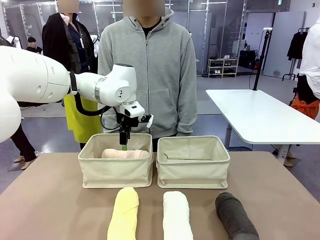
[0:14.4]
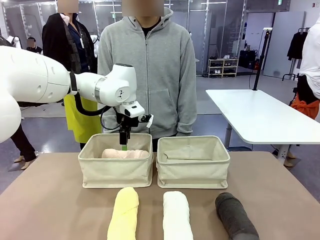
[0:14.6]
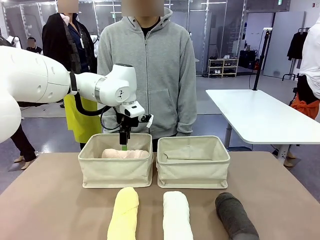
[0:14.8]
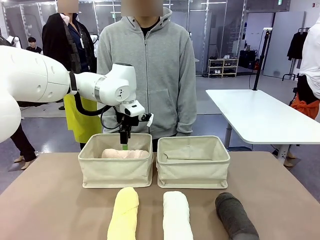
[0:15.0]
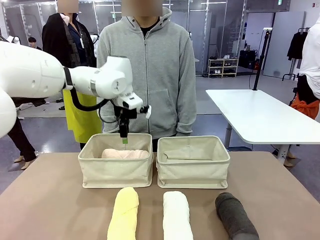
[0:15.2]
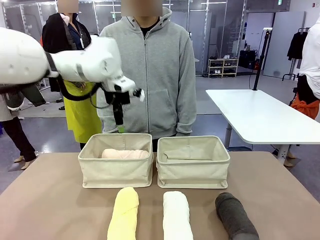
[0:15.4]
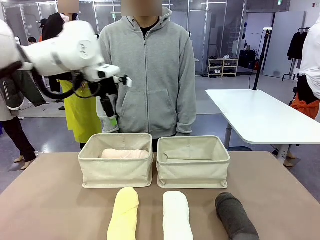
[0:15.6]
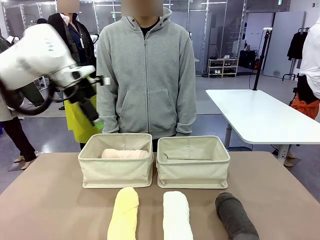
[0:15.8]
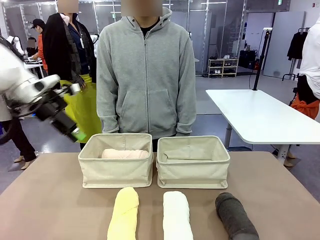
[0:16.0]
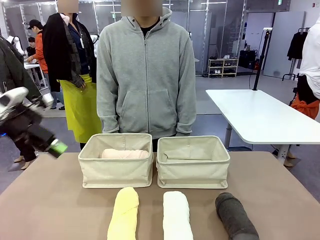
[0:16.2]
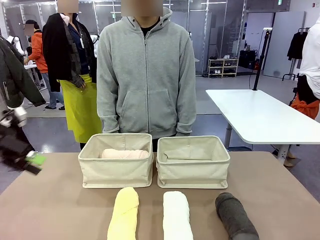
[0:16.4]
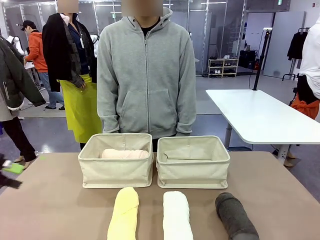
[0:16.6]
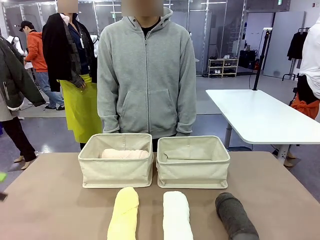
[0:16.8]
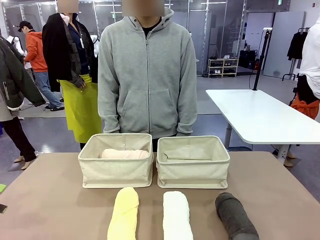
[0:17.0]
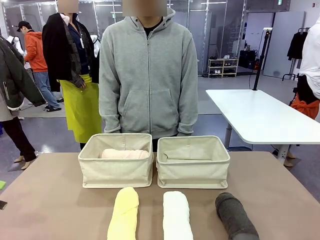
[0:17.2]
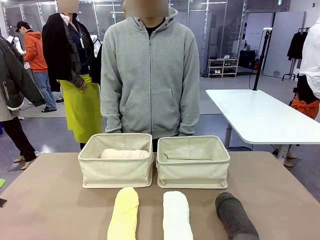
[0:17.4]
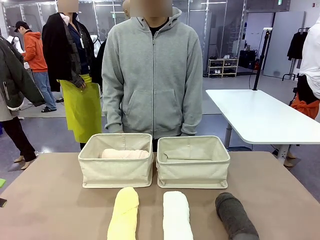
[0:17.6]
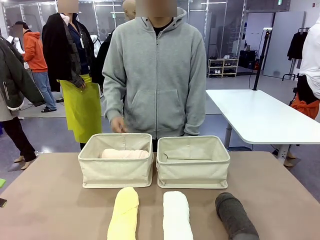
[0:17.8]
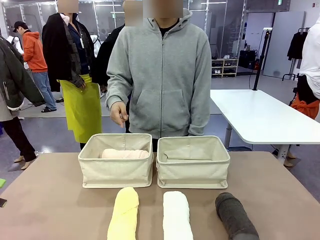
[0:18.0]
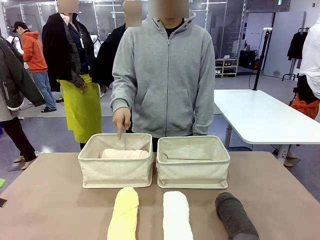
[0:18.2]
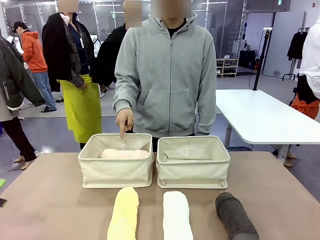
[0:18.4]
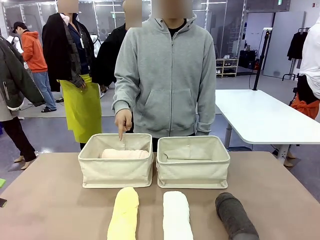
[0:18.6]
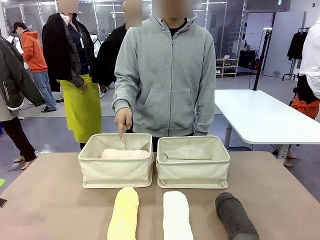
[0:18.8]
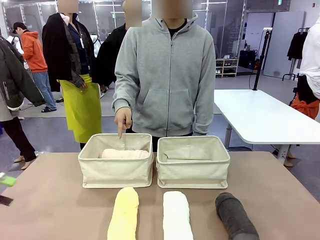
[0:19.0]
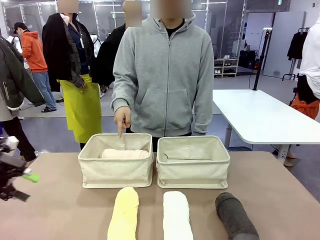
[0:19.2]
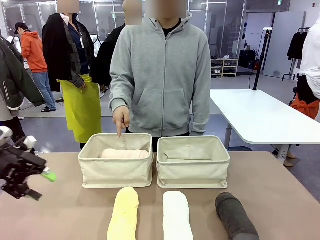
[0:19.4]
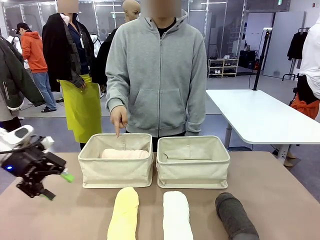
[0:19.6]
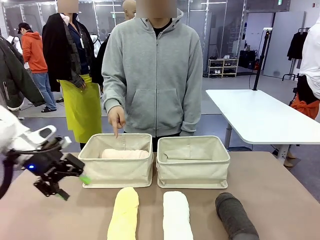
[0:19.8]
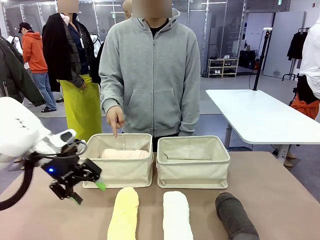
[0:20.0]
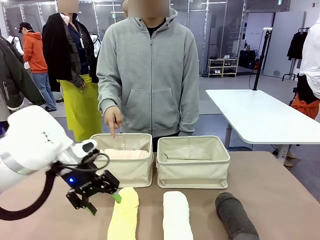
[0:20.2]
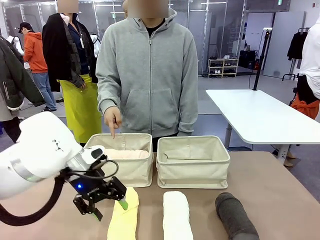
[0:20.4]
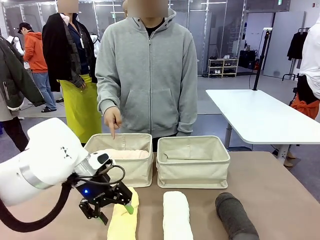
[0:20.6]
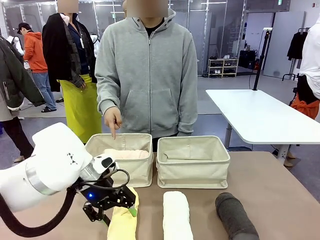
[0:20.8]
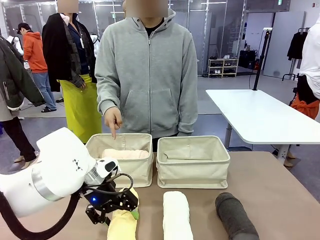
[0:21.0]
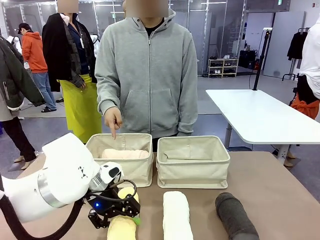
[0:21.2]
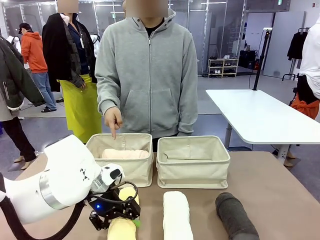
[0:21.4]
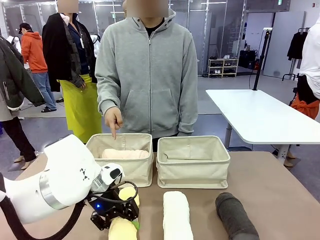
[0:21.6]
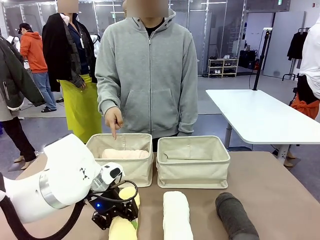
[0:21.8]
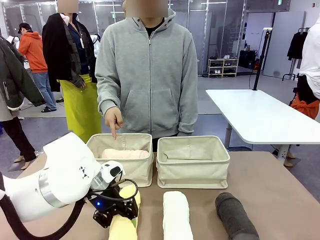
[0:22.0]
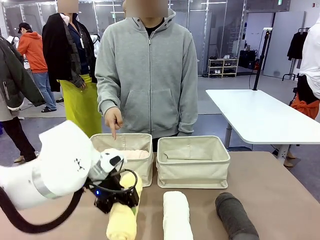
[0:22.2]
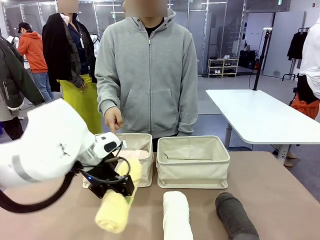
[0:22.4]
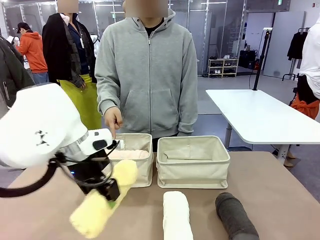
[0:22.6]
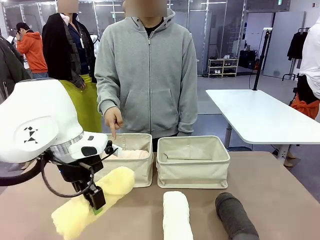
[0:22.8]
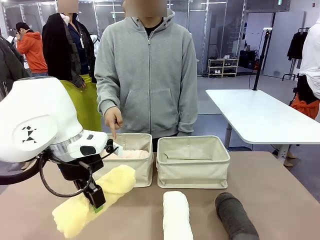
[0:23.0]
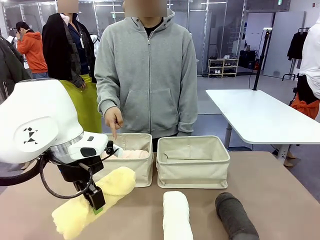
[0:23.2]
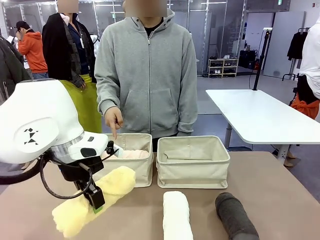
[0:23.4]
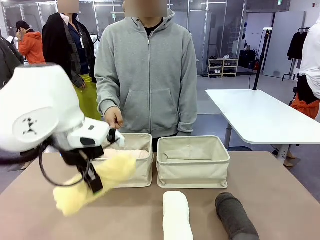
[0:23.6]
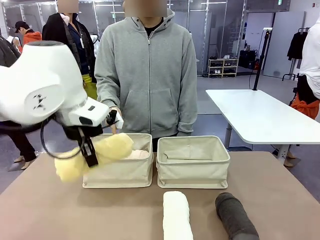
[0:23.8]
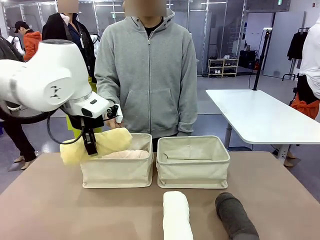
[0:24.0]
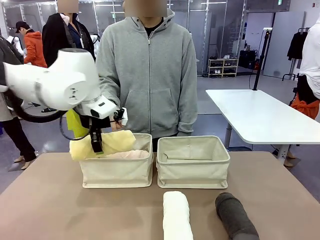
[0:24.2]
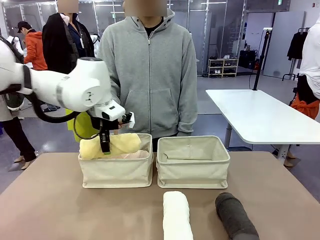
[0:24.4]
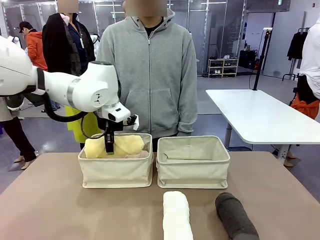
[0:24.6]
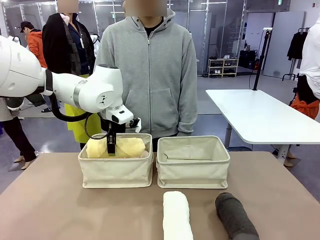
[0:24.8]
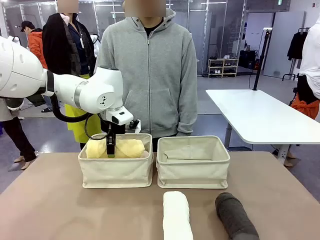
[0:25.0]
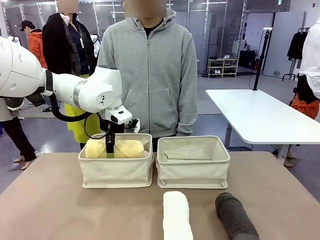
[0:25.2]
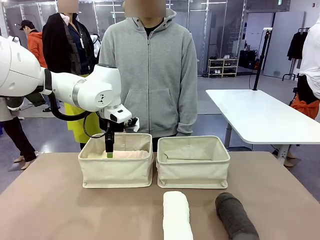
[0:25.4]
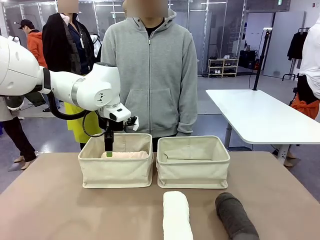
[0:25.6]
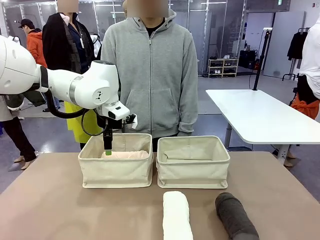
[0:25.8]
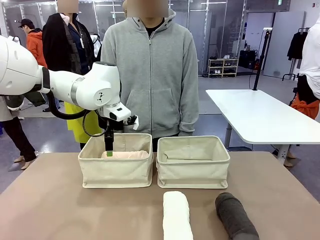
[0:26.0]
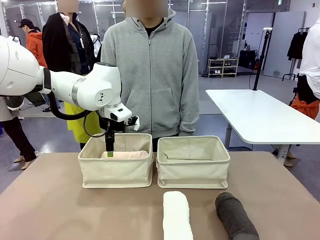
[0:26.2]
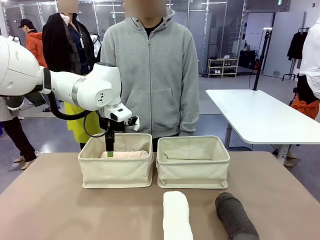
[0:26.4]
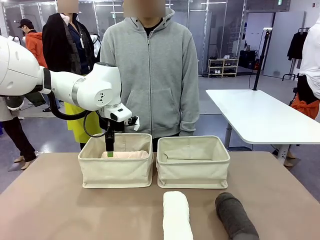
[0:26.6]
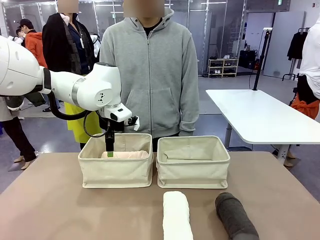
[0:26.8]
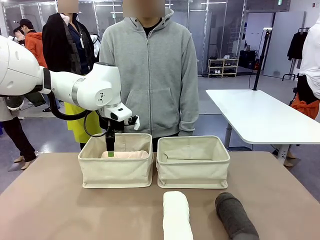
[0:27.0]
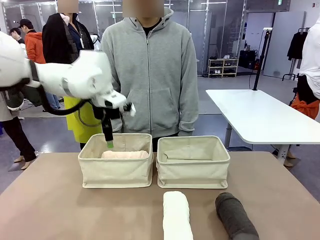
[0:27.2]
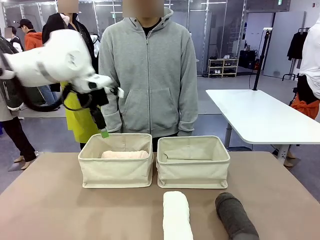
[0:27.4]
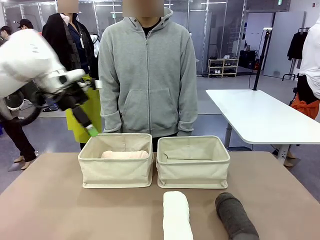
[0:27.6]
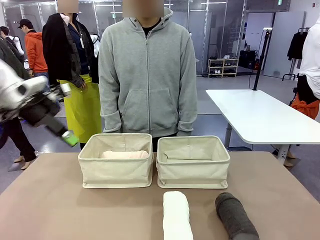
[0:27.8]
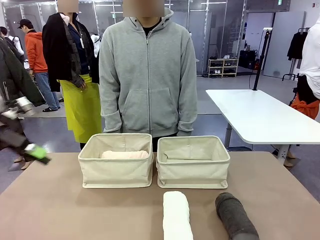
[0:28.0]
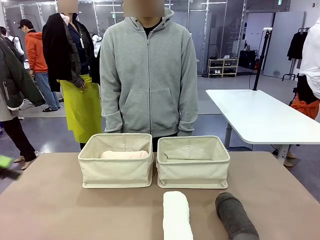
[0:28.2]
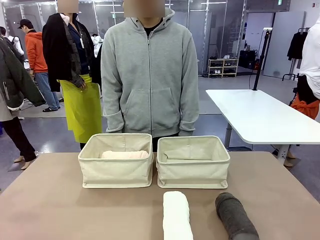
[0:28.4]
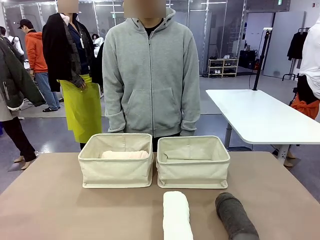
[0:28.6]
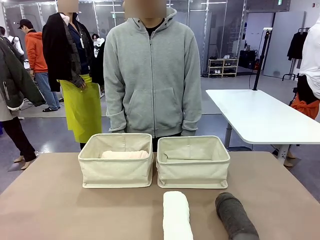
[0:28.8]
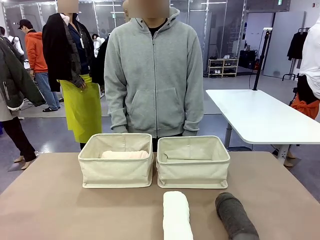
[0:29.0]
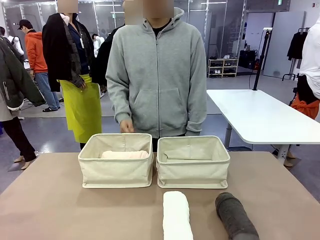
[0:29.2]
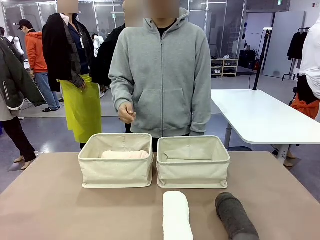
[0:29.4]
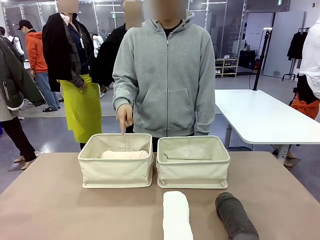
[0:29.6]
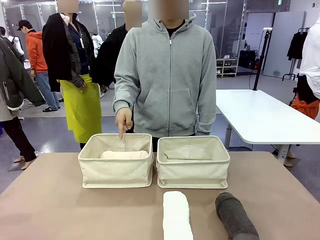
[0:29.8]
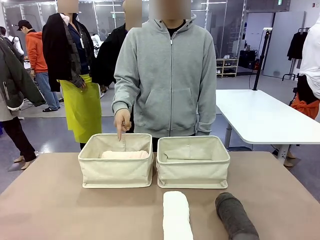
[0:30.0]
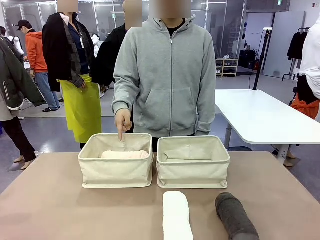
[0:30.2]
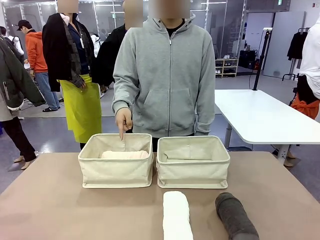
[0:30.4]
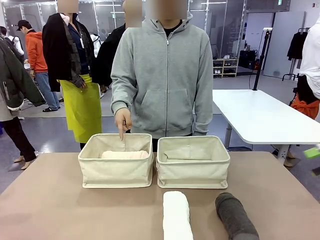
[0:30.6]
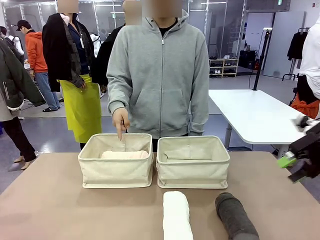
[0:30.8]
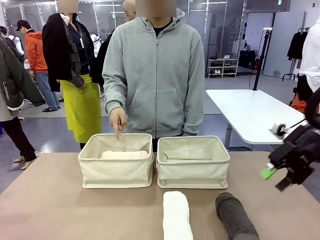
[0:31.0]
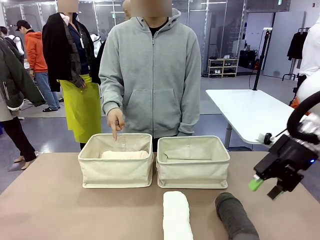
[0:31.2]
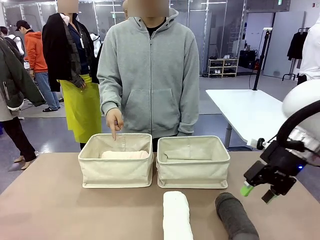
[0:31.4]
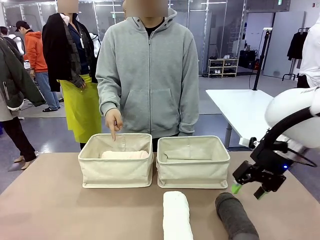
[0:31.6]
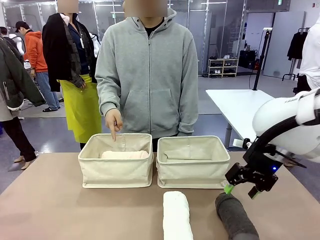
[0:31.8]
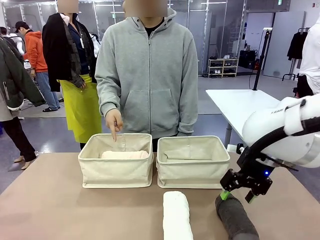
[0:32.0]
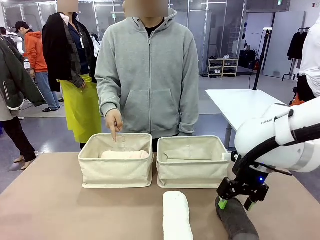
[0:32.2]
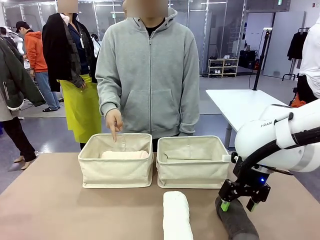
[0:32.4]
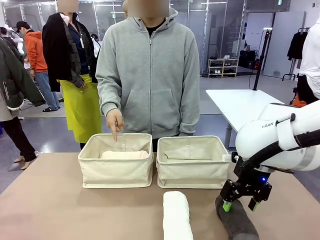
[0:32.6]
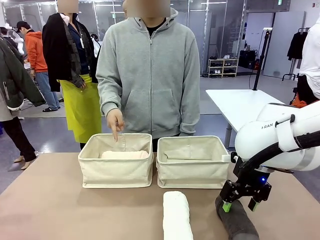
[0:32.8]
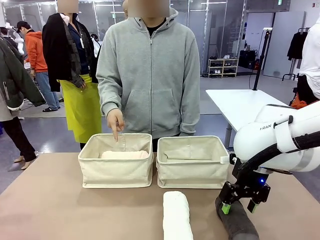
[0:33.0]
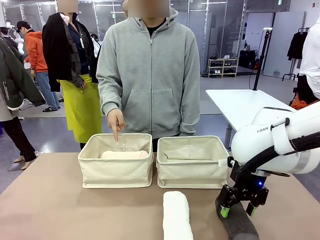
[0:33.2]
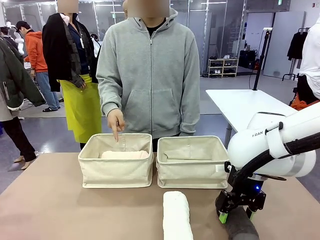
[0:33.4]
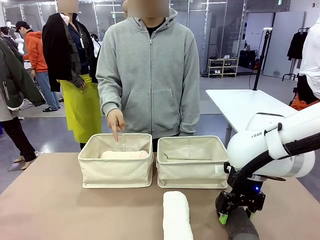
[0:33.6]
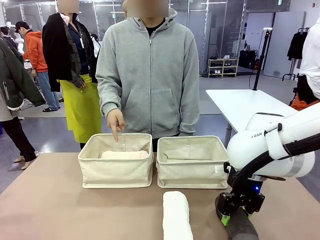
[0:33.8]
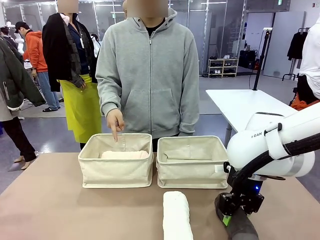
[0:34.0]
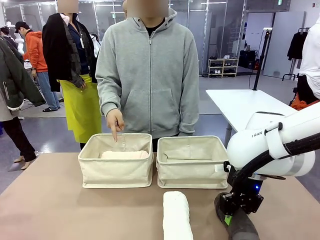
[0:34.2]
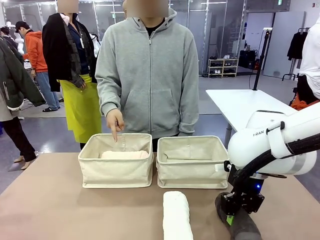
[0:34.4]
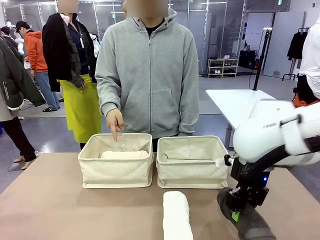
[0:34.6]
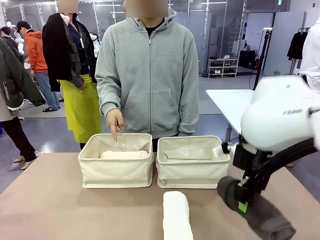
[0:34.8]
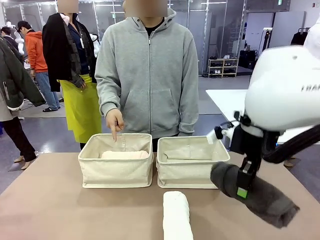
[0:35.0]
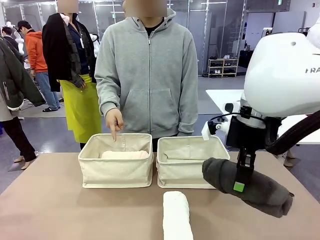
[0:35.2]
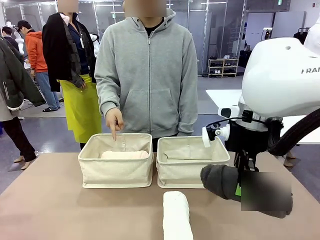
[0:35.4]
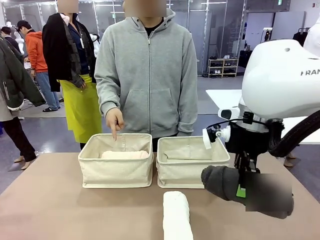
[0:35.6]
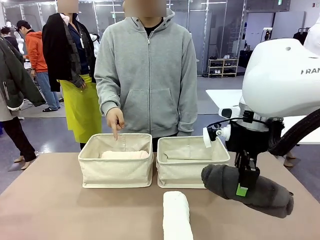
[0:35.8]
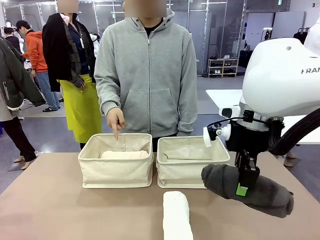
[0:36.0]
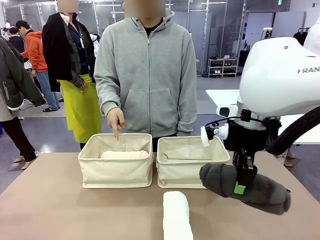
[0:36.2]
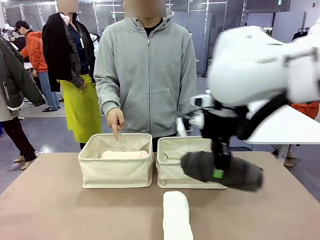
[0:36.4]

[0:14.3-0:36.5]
Task: Divide the towels into two baskets.
Robot: Pick up one hotel-folded towel from the bottom of the table and place it in the Fabric basket indicated by the person.
